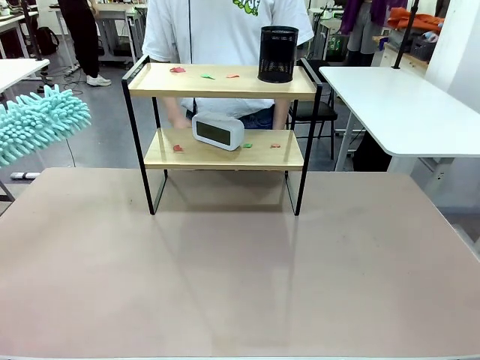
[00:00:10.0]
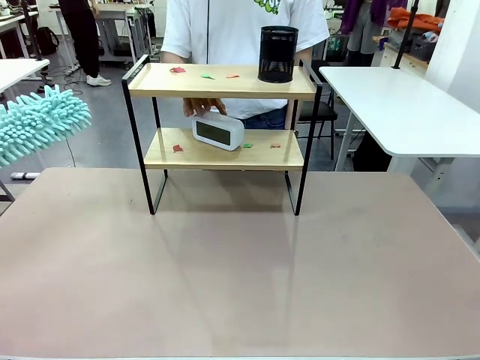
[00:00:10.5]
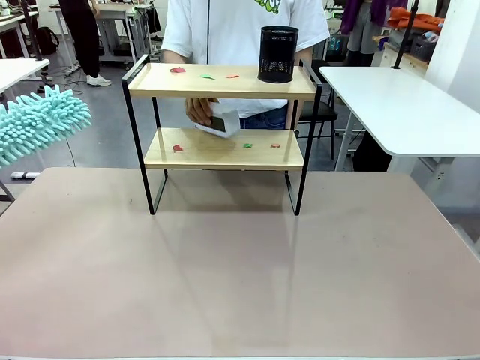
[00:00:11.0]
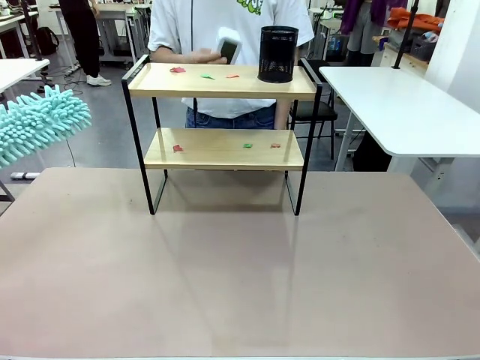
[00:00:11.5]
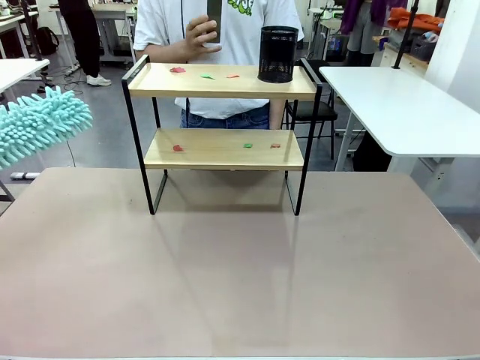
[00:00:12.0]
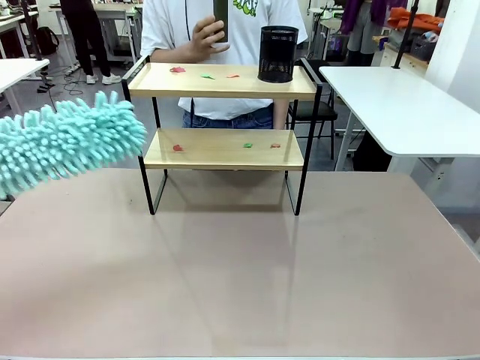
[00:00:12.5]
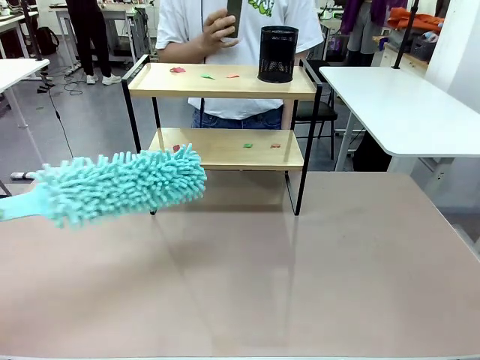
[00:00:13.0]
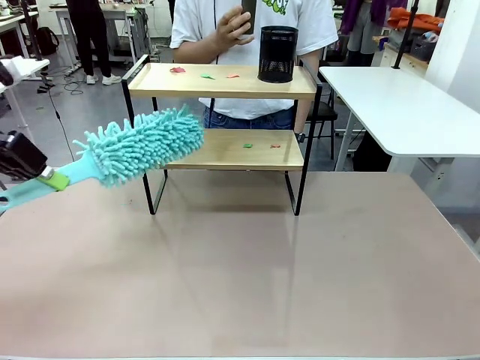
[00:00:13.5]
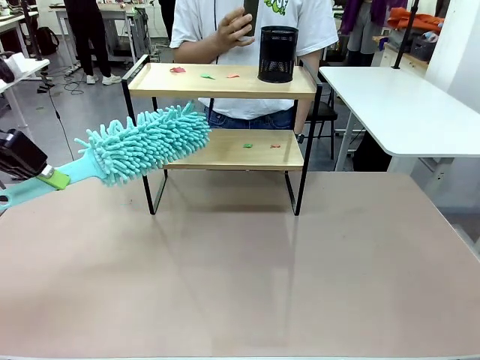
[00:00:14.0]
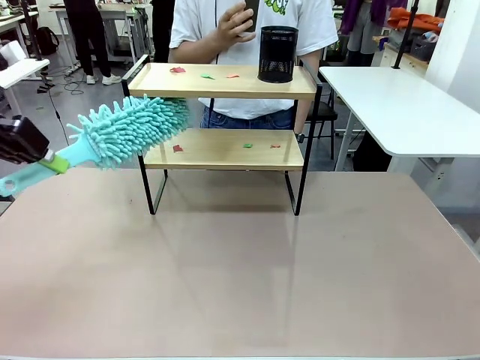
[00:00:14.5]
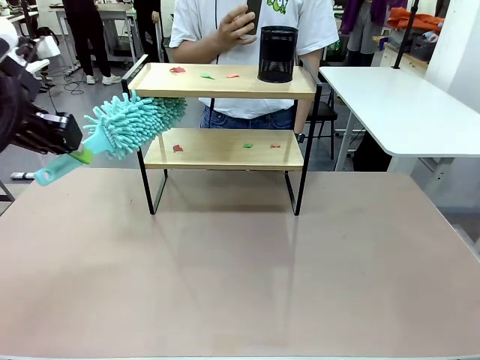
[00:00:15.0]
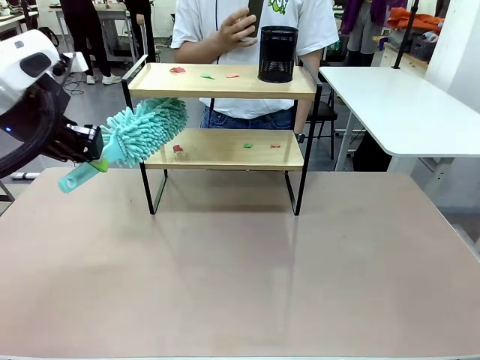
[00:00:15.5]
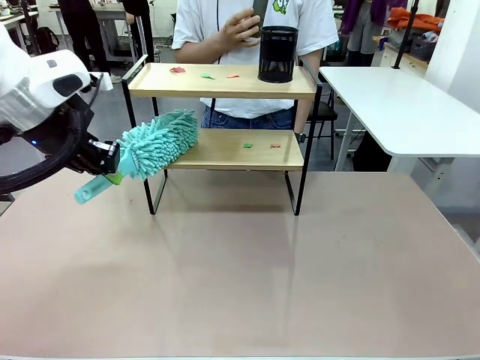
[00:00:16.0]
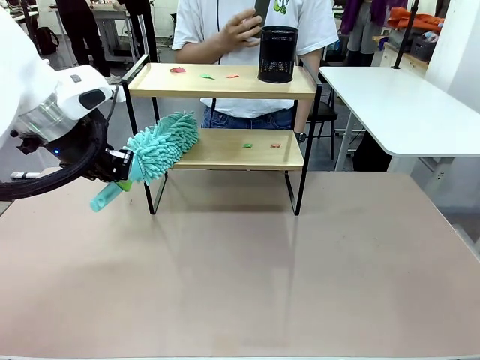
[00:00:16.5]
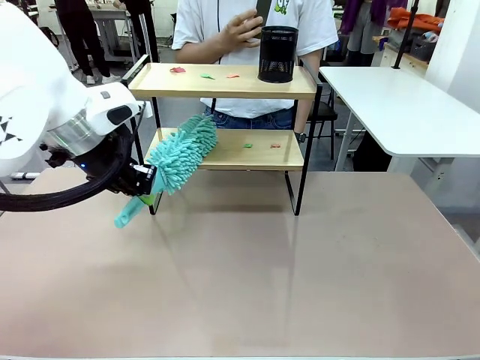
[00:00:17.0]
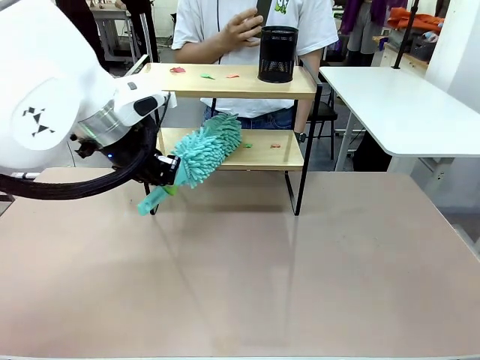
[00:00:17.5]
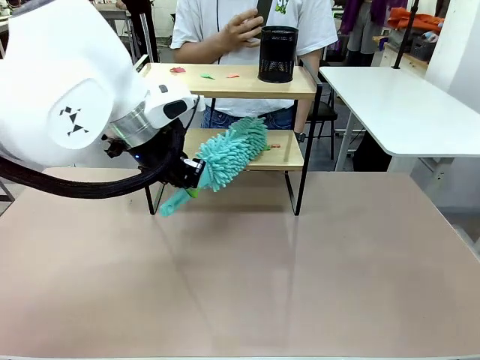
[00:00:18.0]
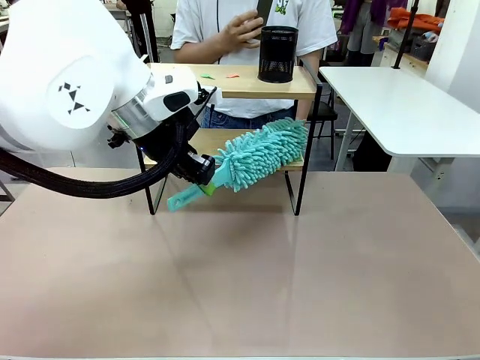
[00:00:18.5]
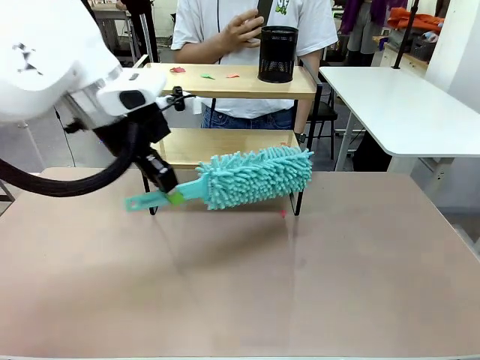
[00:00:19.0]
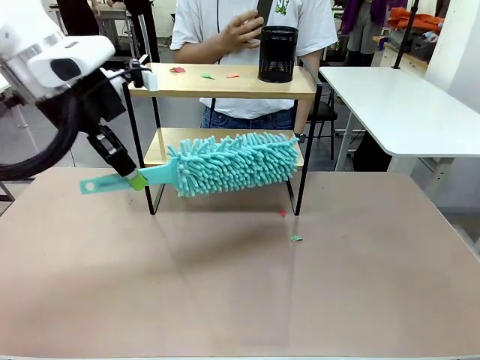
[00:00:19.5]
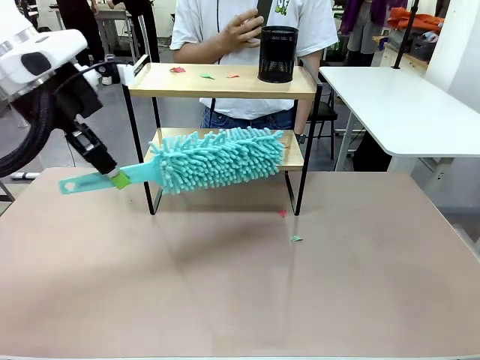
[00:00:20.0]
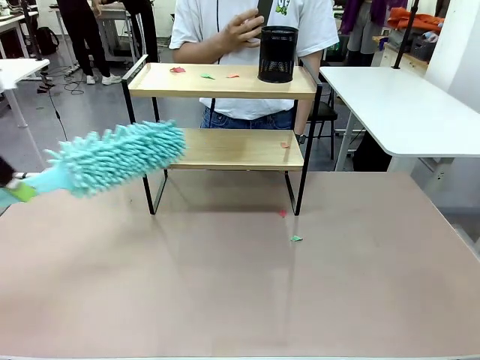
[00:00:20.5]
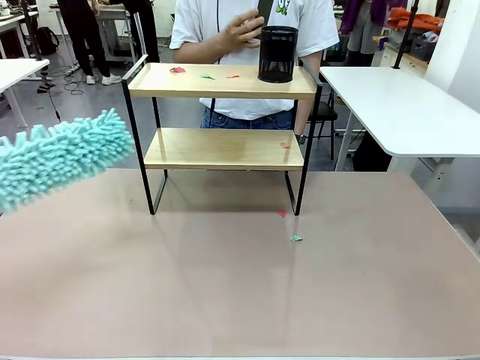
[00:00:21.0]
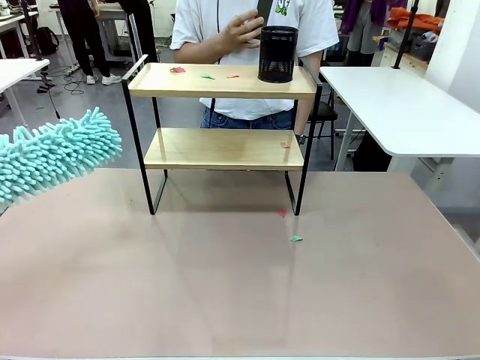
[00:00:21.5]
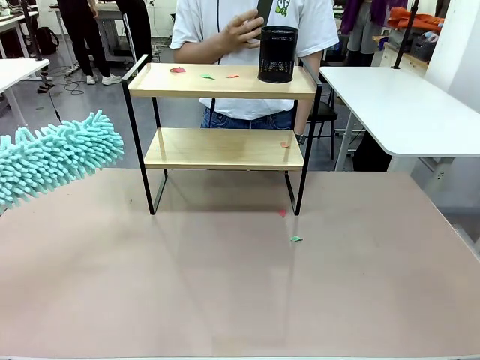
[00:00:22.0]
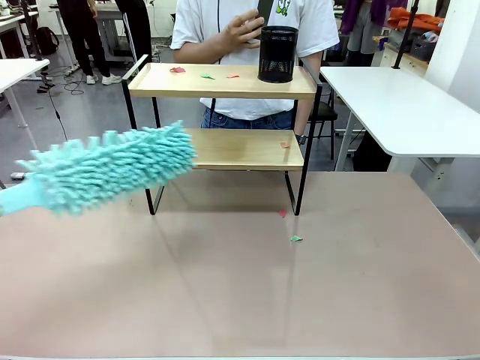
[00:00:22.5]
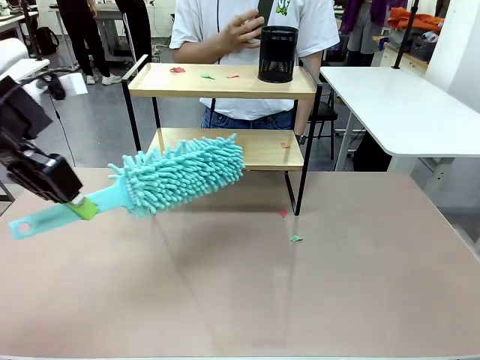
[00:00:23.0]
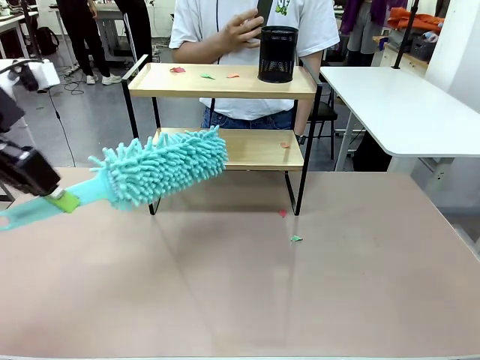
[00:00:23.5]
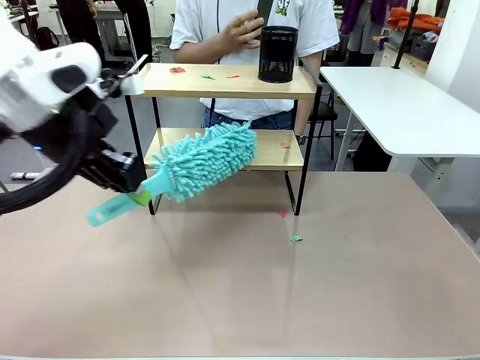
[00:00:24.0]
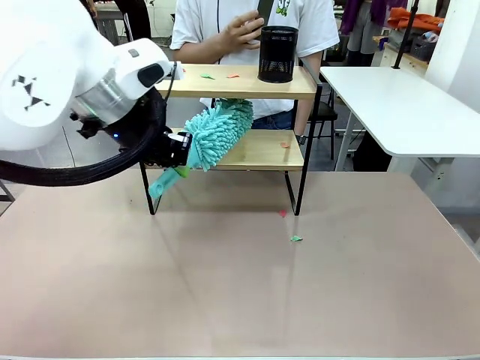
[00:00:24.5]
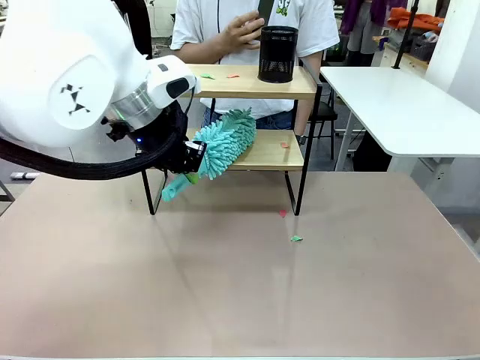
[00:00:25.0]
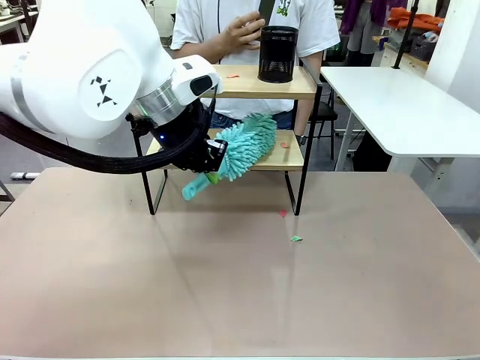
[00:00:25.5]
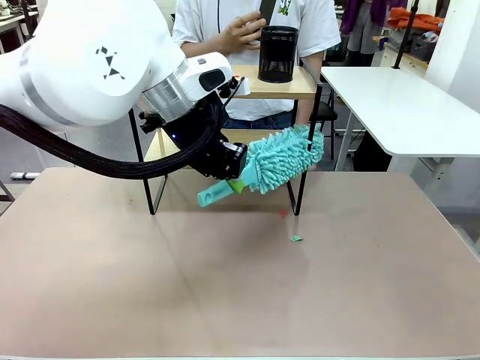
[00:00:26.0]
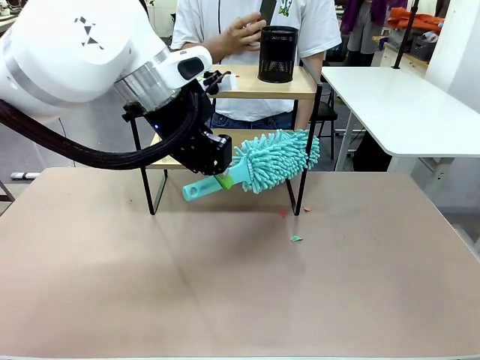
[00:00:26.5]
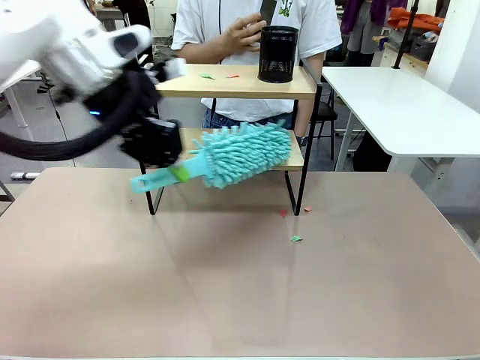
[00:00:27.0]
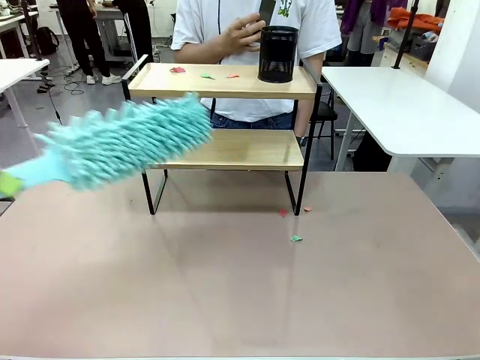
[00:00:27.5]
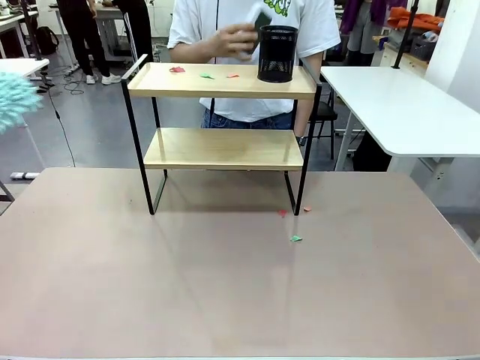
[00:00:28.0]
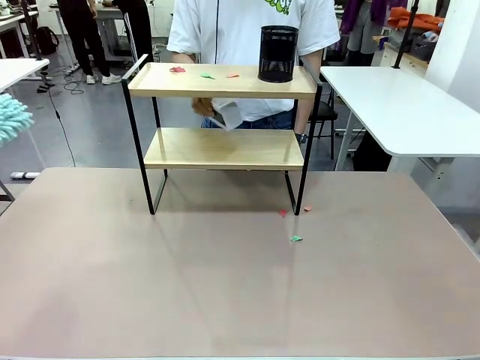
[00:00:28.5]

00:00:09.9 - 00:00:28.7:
Task: Clean the shelf.
Robot: Clean the specific tier of the Shelf with the Duster once objects are removed.
Person: Lift the objects on a randomly selected tier of the Shelf. Once the robot finishes cleaning, lift the objects on the remaining tiers of the Shelf.

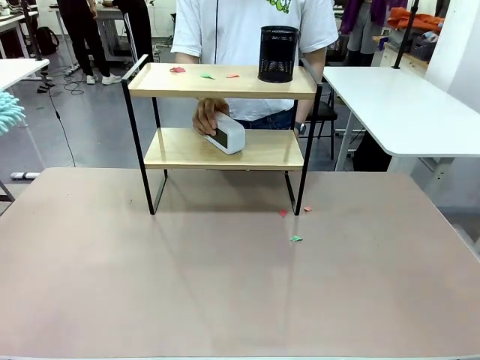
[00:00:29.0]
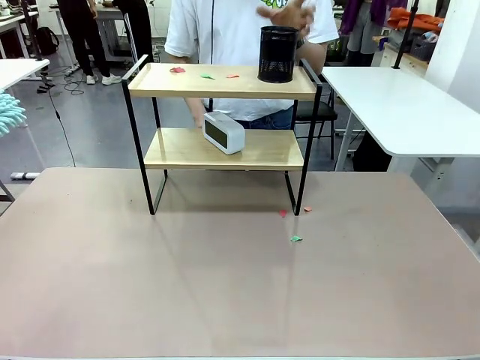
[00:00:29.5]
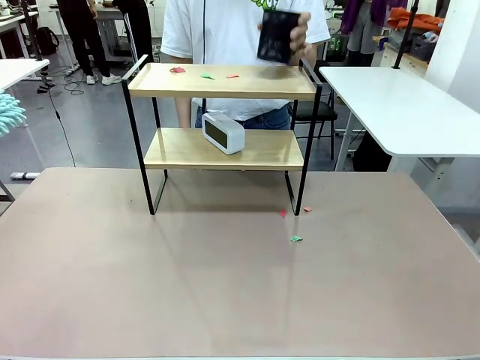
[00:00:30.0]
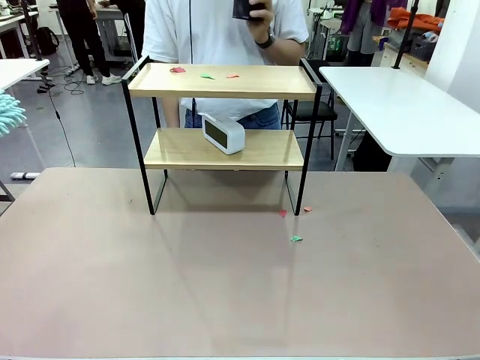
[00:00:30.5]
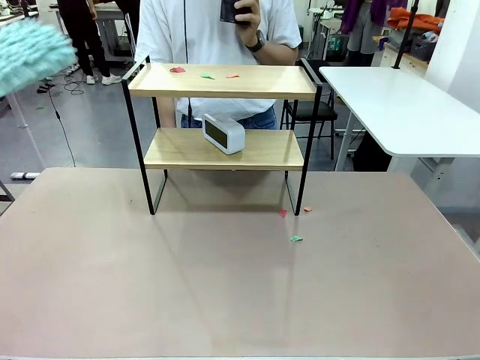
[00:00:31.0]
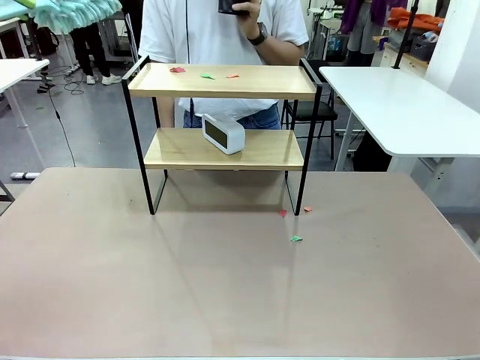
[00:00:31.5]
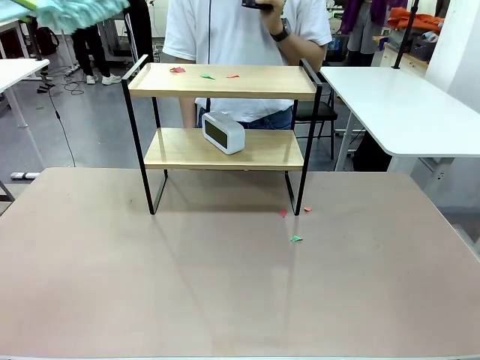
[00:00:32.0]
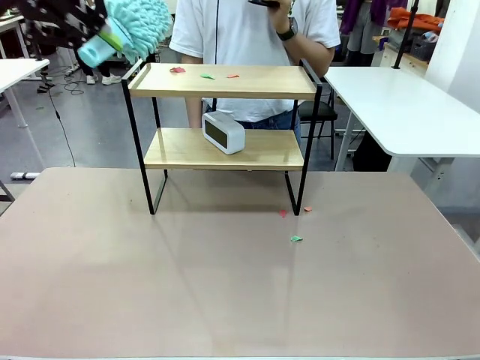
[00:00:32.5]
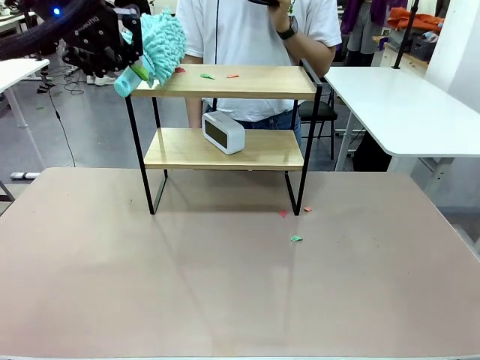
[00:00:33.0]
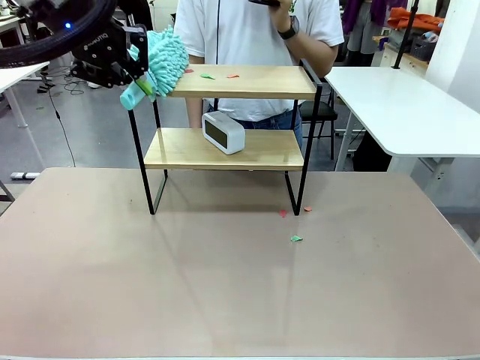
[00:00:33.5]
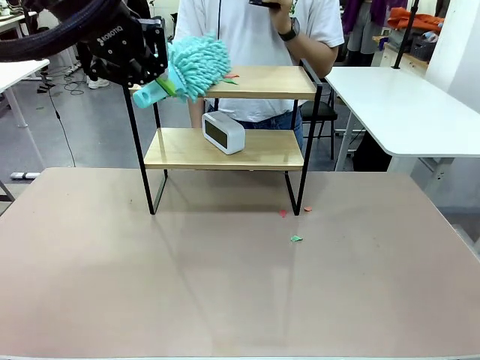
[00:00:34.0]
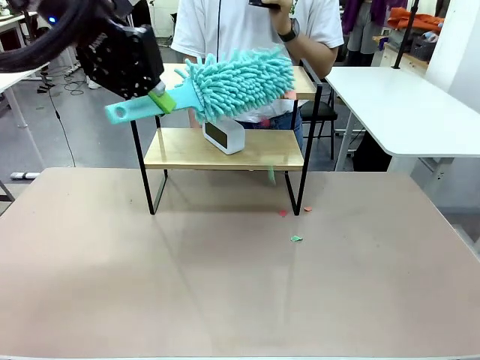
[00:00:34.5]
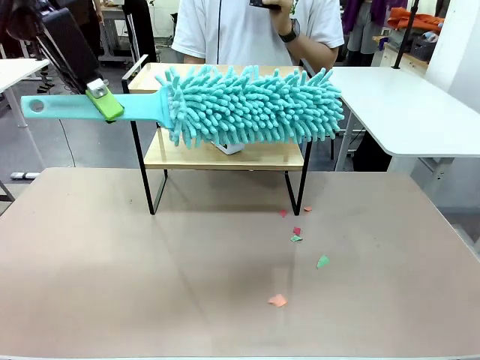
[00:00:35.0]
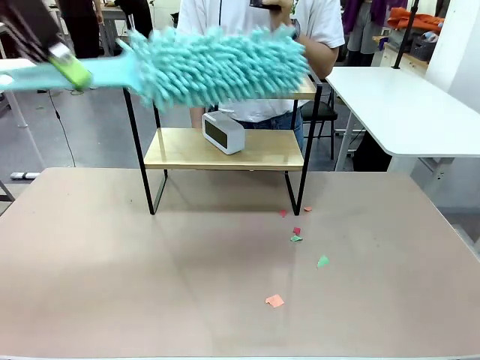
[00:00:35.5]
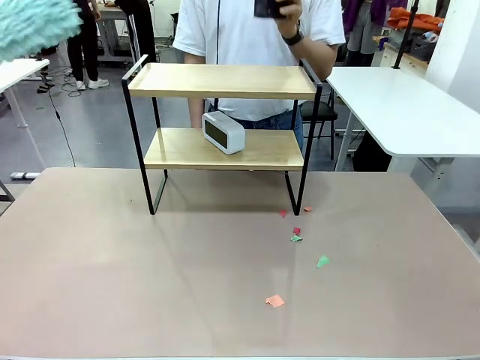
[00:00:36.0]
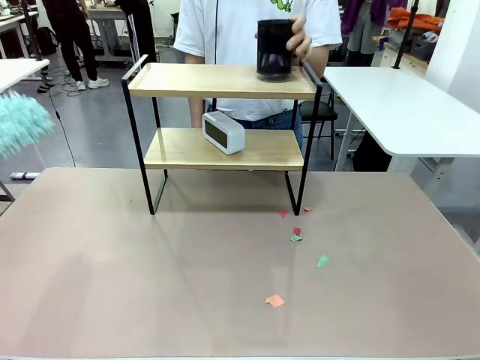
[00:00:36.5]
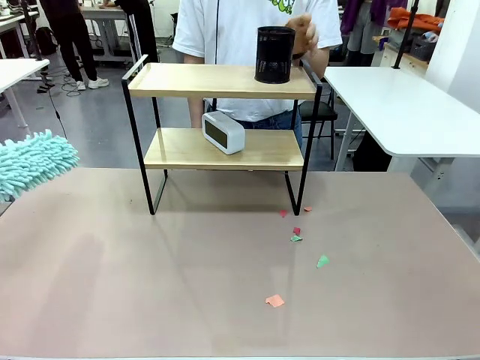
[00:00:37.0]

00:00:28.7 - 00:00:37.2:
Robot: Clean the remaining tier of the Shelf with the Duster once objects are removed.
